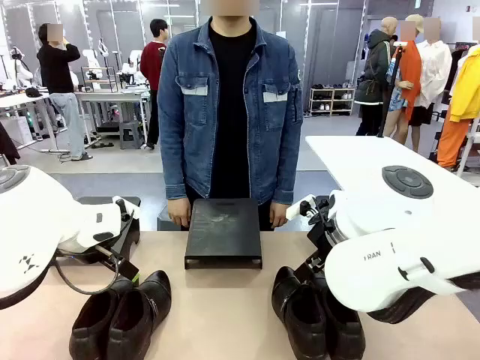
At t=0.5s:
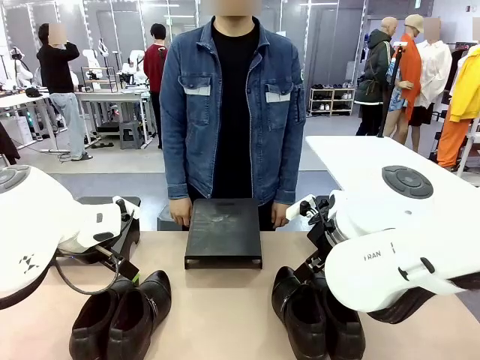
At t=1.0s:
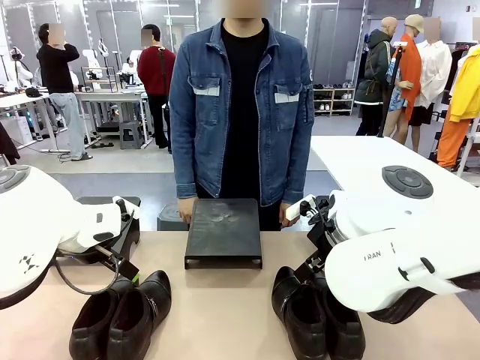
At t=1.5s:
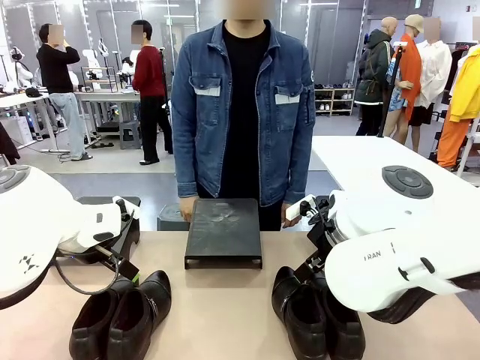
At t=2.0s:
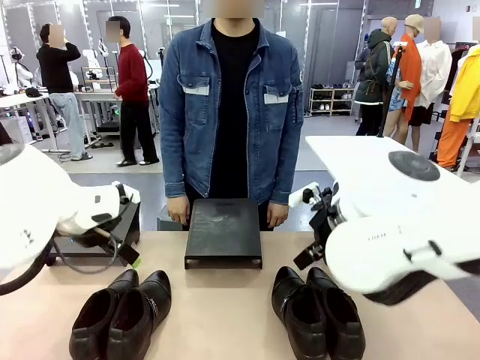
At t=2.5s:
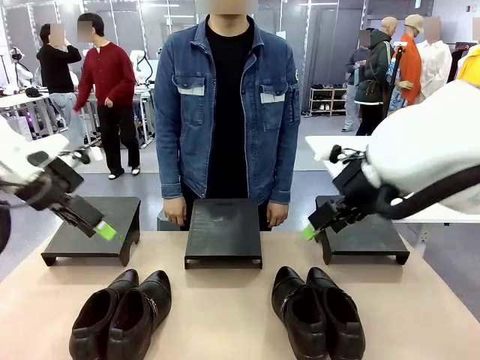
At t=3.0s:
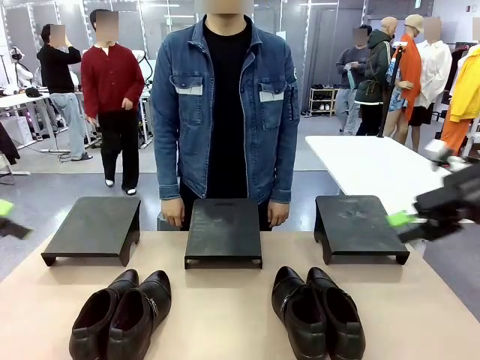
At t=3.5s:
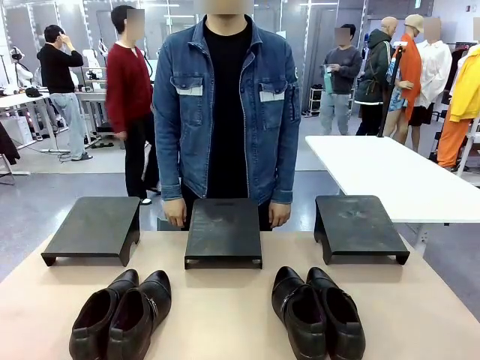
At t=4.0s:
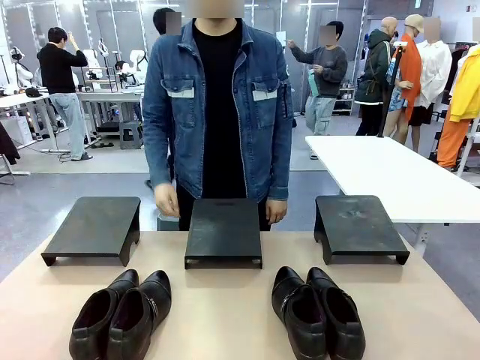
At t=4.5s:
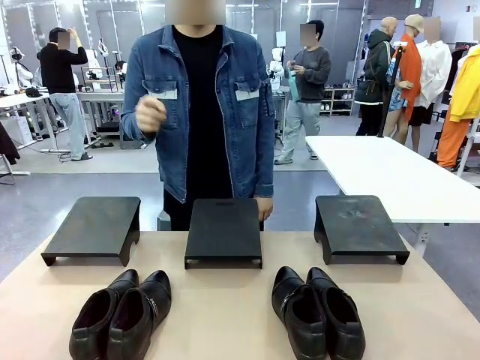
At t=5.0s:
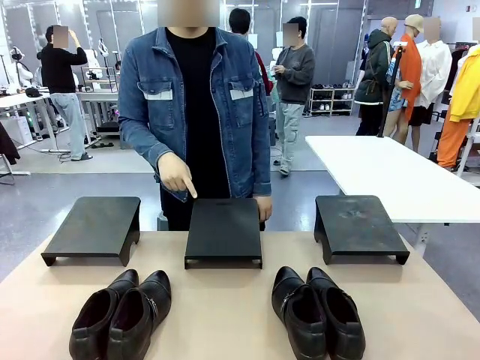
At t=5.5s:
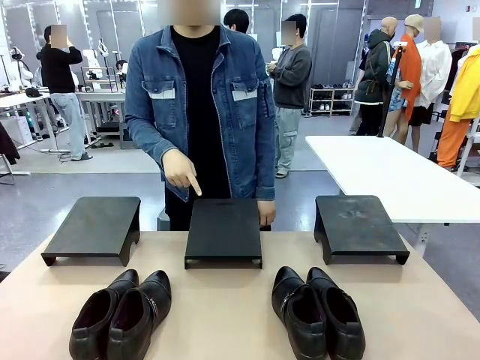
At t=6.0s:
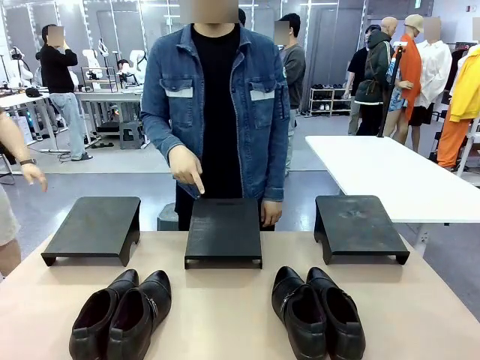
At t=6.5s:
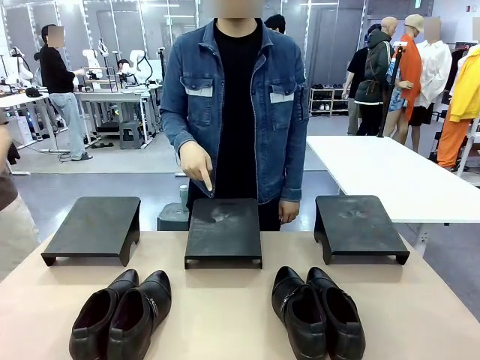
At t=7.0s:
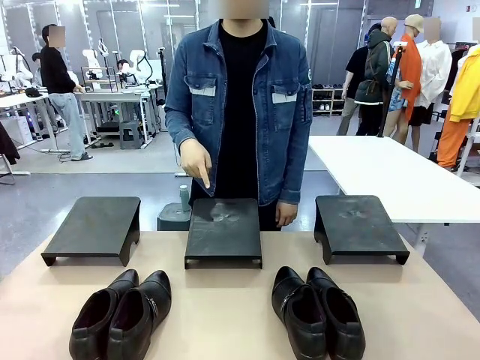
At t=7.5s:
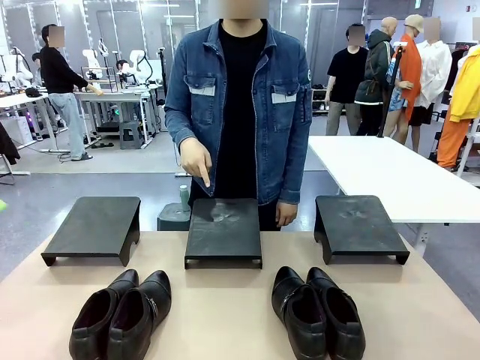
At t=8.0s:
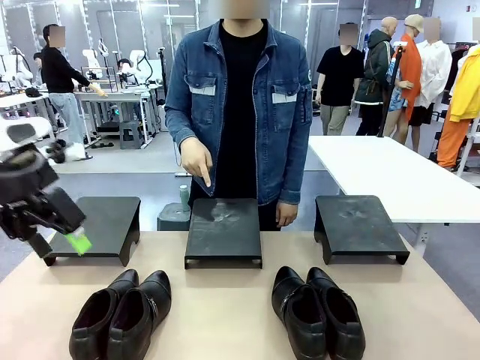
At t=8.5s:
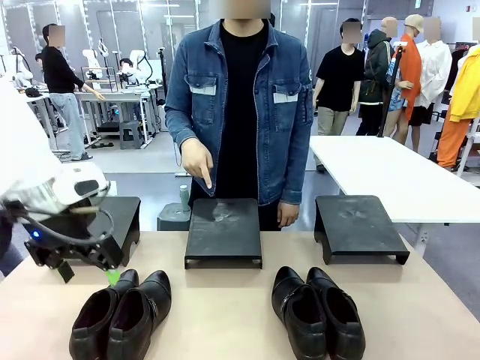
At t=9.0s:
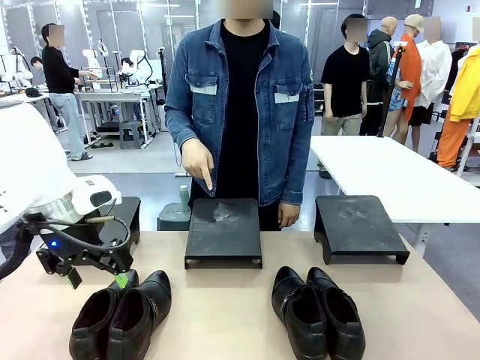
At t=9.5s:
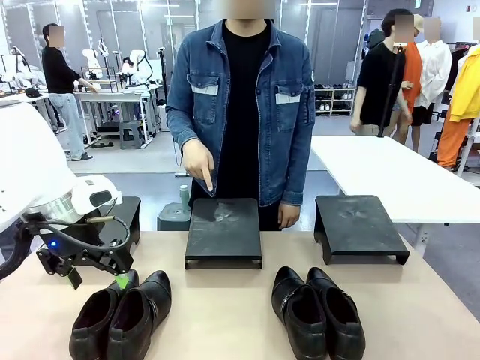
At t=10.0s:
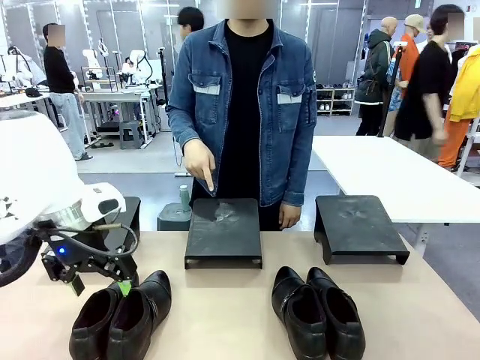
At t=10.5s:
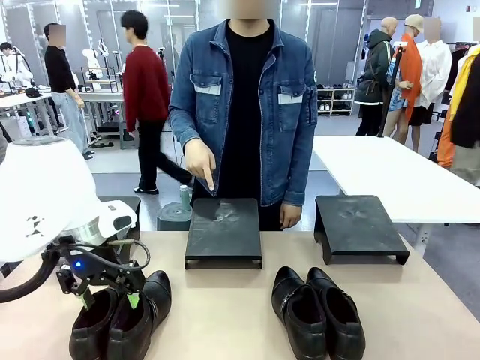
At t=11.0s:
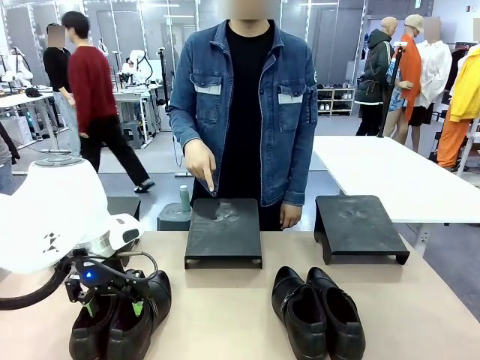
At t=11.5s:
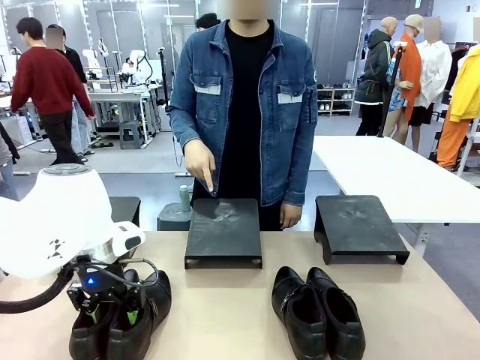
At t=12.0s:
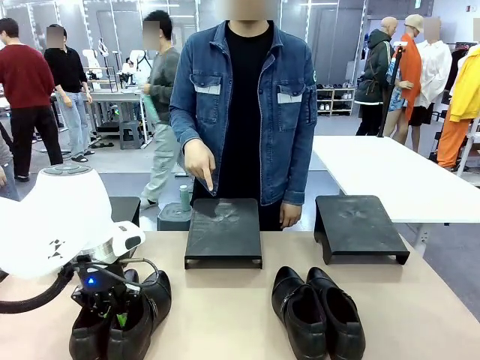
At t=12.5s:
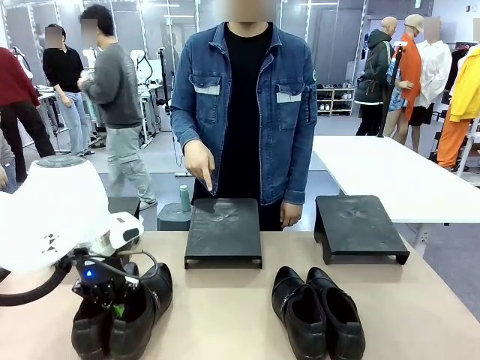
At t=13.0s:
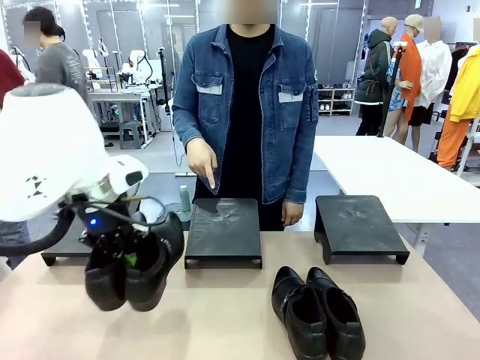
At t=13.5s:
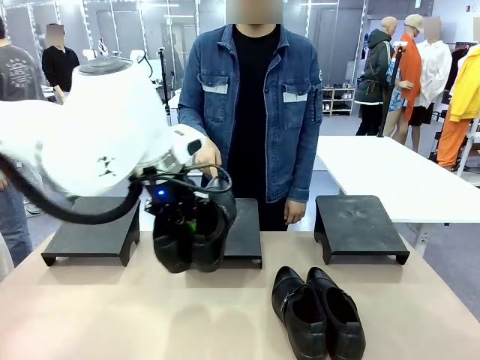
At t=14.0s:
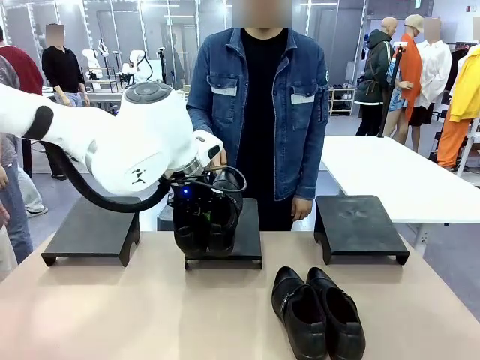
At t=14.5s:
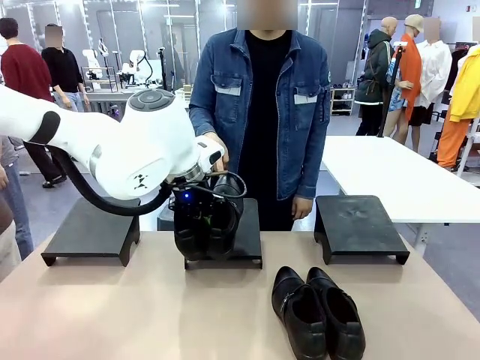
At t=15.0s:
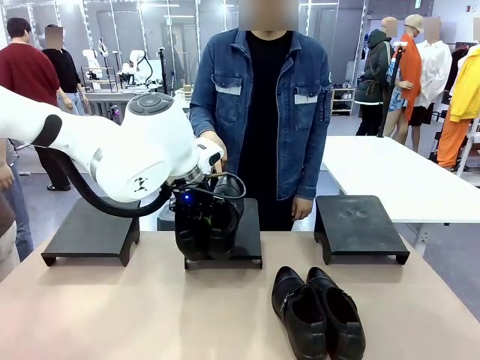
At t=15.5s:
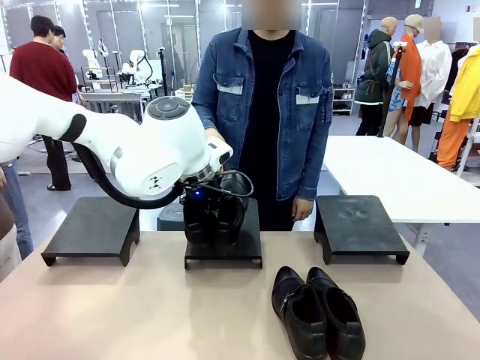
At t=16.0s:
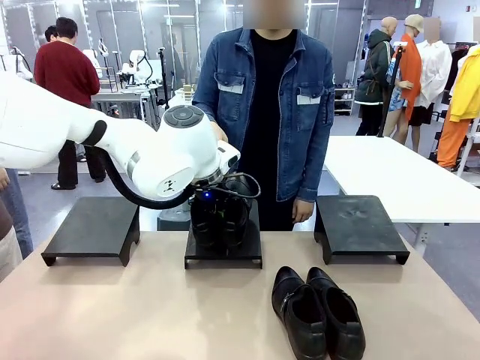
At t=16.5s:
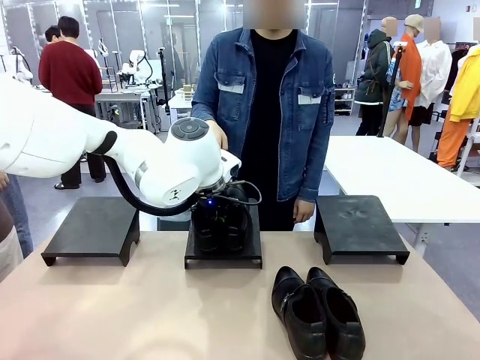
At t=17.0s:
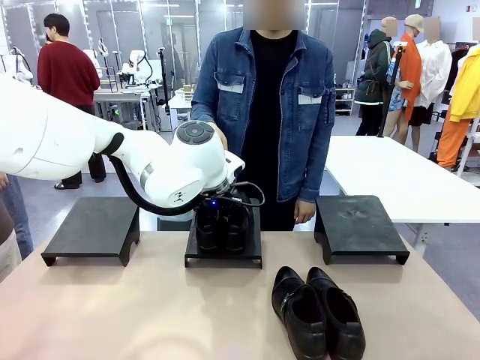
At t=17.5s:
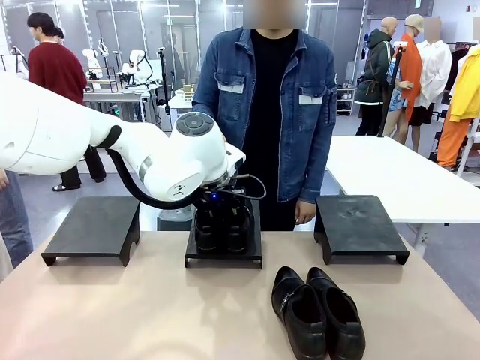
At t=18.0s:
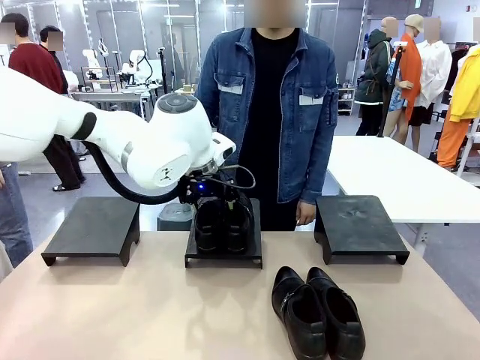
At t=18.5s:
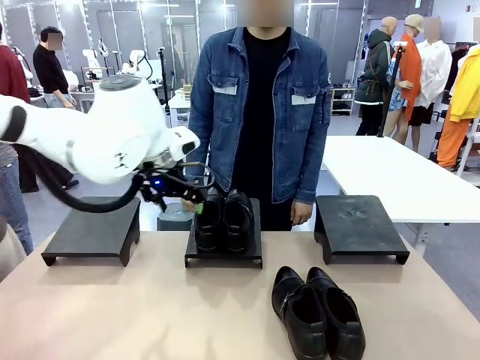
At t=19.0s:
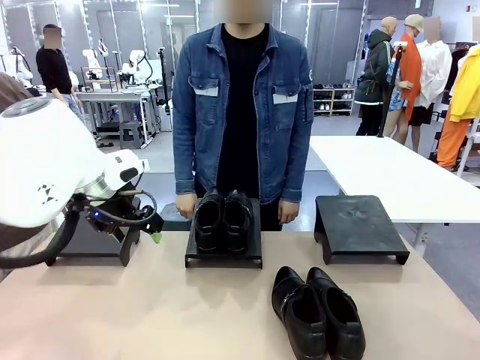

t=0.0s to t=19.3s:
Task: Place the shoes on the stand as instructed by the person.
Robot: Pick up one pair of Shoes and place it on the Shoes Stand indicated by the person.

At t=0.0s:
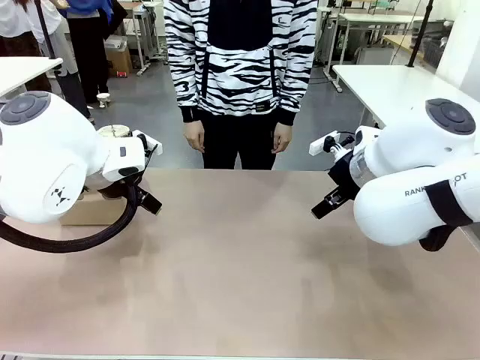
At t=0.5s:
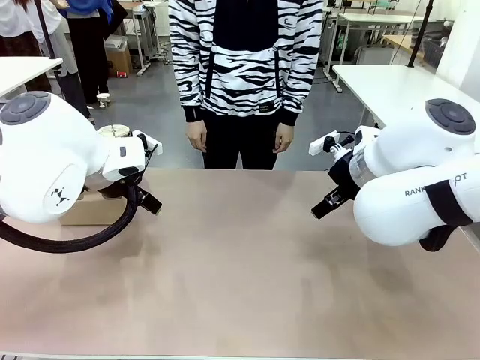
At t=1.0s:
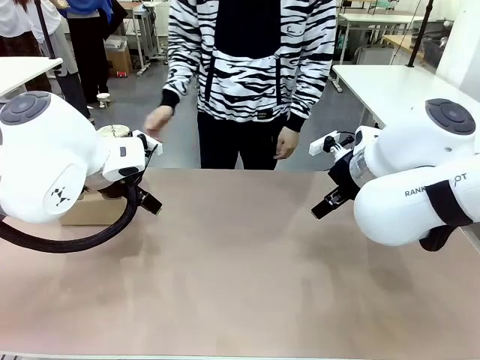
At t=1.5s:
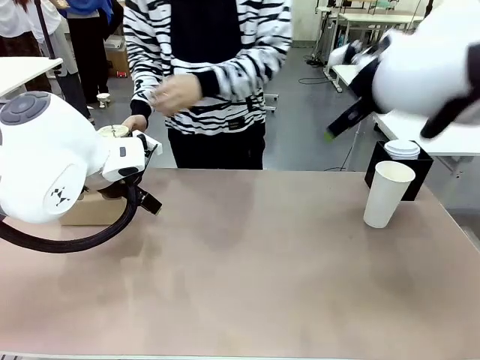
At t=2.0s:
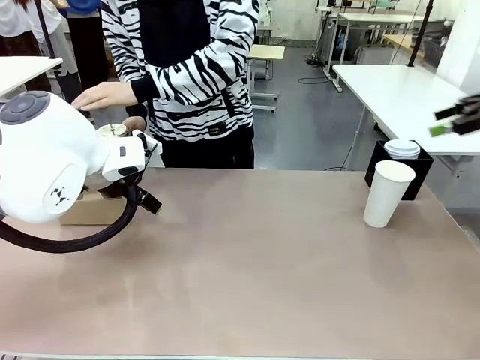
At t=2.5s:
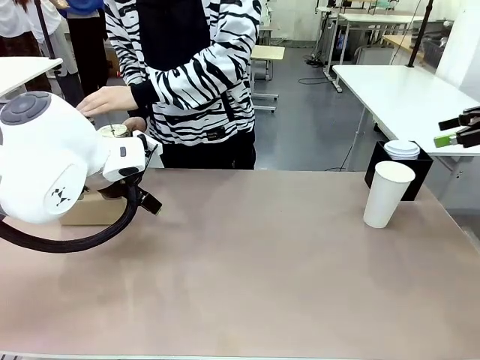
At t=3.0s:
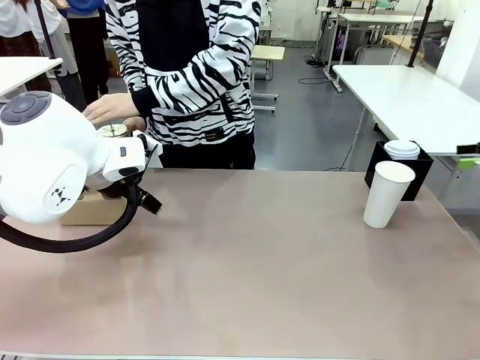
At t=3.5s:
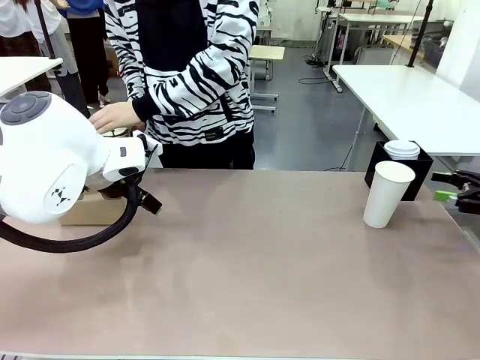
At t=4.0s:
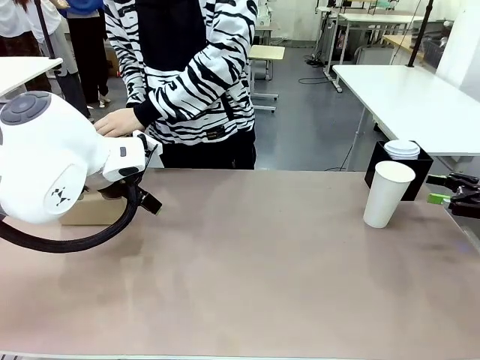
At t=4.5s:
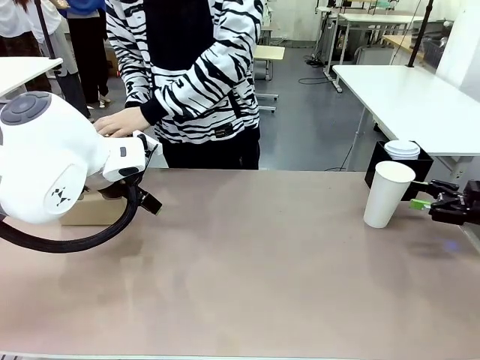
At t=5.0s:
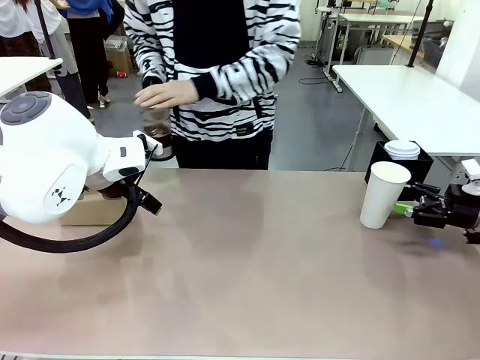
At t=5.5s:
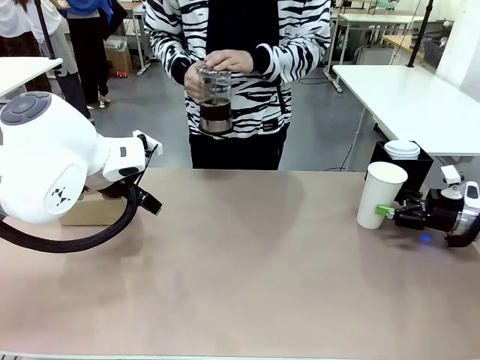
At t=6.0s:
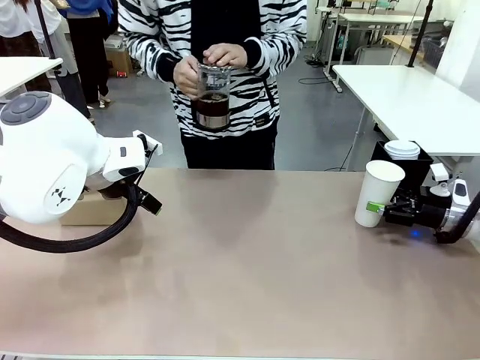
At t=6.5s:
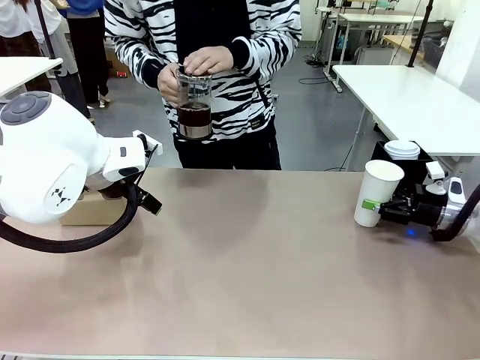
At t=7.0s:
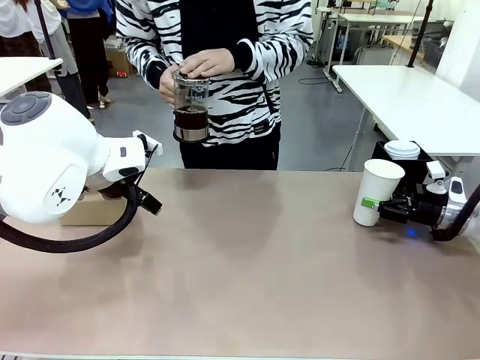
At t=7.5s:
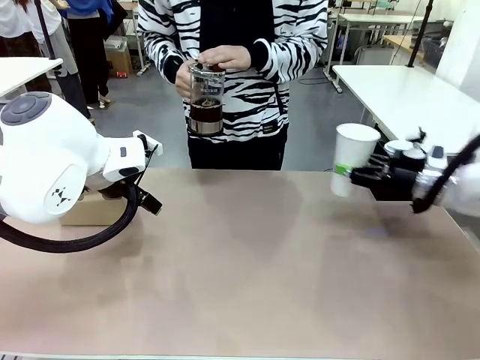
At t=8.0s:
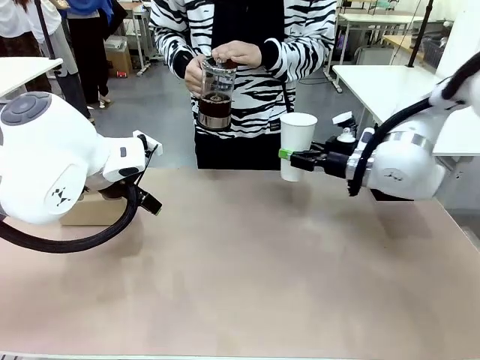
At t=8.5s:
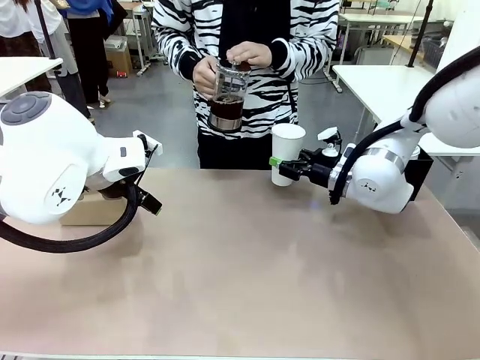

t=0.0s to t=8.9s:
Task: Pour a drink into a cup and package it in a carrier.
Robot: Pick up the 600 ml Paper Cup and place it in the middle top area of the table.
Person: Press and pick up the Filter Brewing.
